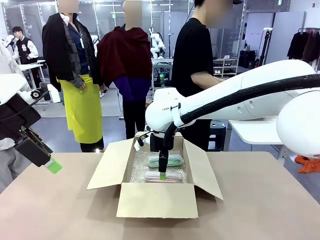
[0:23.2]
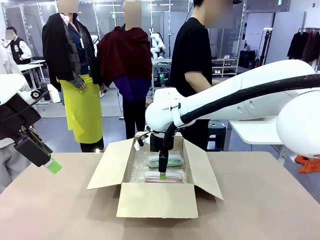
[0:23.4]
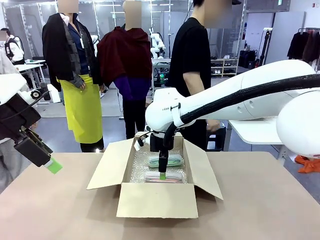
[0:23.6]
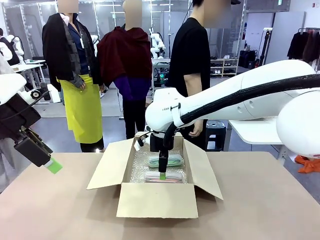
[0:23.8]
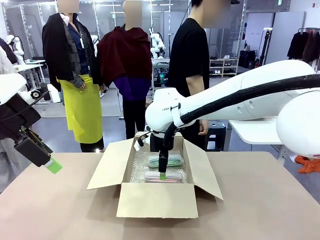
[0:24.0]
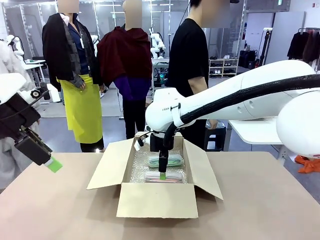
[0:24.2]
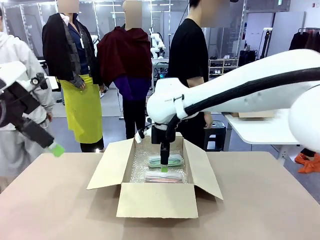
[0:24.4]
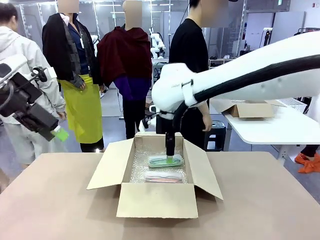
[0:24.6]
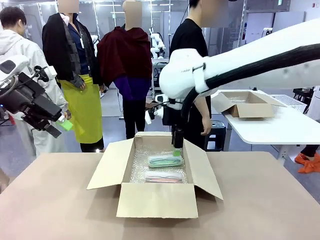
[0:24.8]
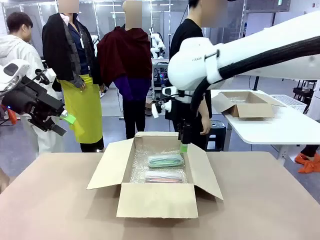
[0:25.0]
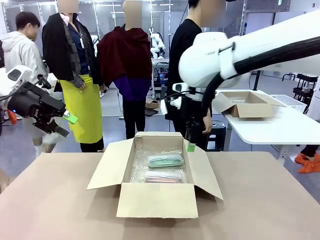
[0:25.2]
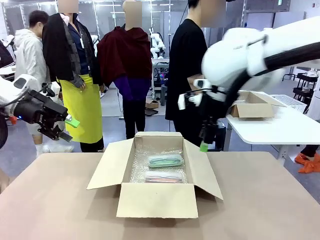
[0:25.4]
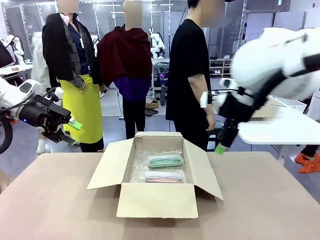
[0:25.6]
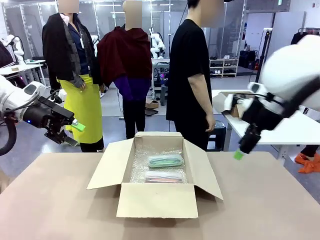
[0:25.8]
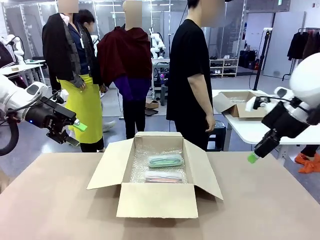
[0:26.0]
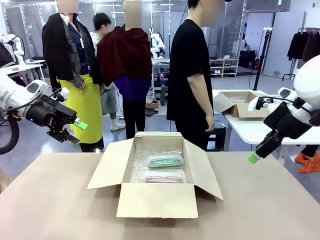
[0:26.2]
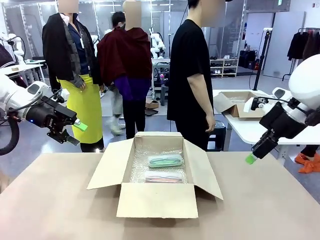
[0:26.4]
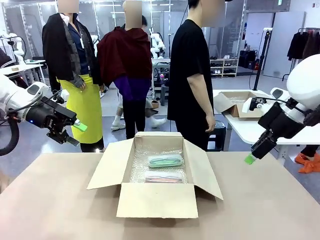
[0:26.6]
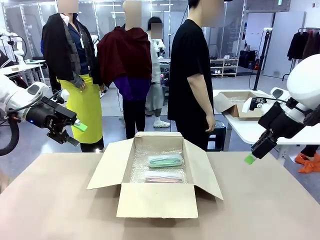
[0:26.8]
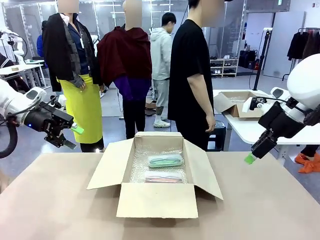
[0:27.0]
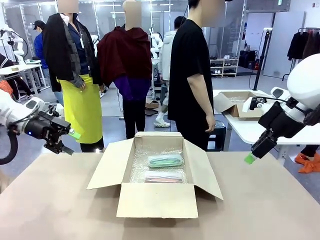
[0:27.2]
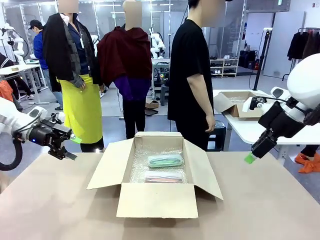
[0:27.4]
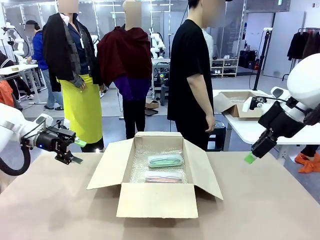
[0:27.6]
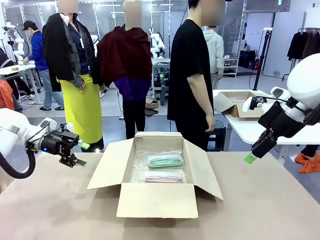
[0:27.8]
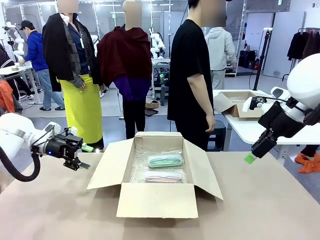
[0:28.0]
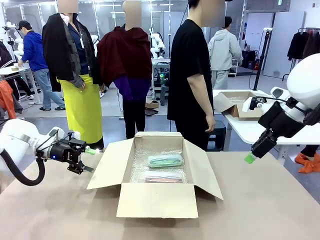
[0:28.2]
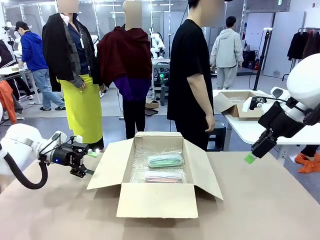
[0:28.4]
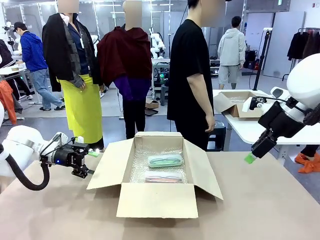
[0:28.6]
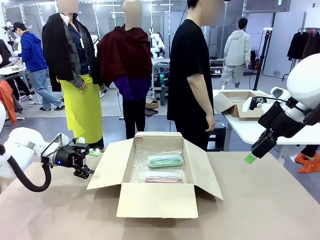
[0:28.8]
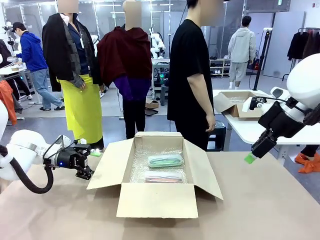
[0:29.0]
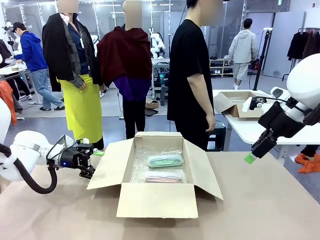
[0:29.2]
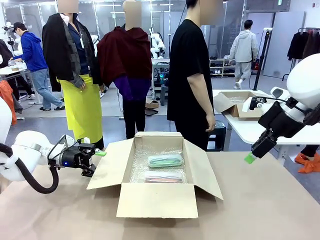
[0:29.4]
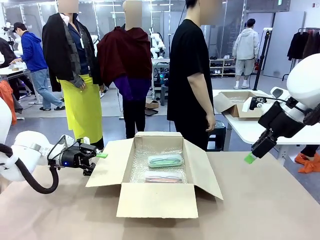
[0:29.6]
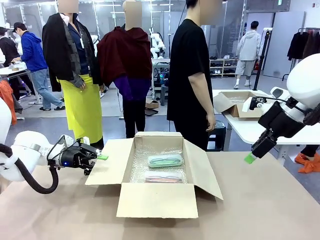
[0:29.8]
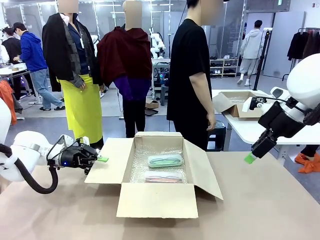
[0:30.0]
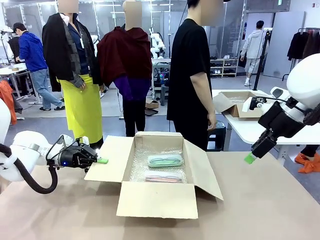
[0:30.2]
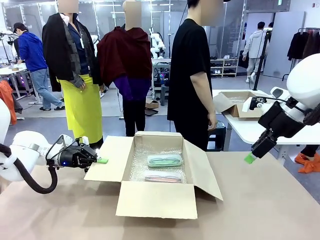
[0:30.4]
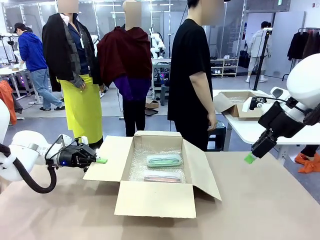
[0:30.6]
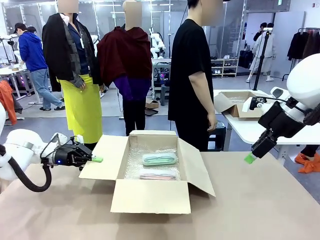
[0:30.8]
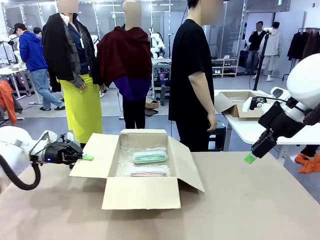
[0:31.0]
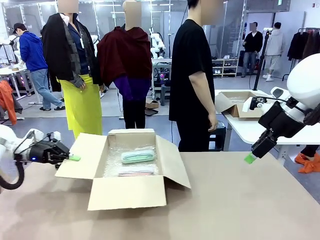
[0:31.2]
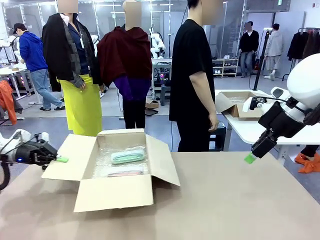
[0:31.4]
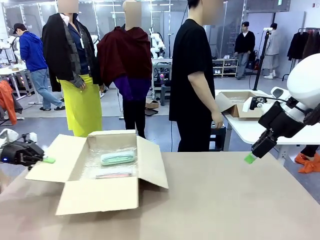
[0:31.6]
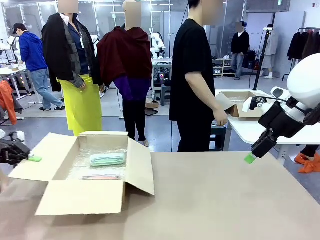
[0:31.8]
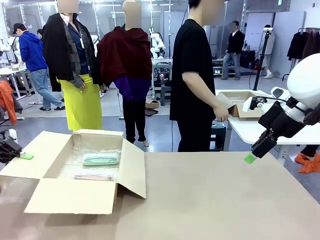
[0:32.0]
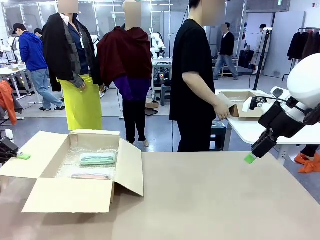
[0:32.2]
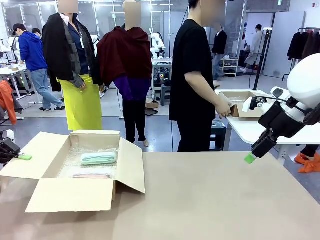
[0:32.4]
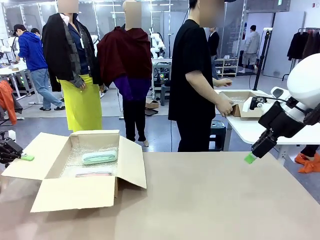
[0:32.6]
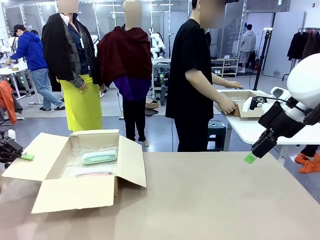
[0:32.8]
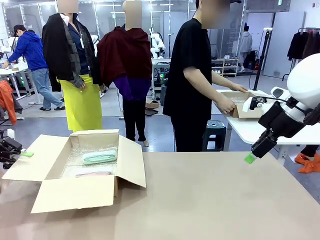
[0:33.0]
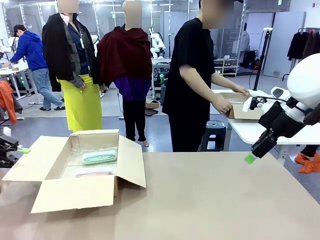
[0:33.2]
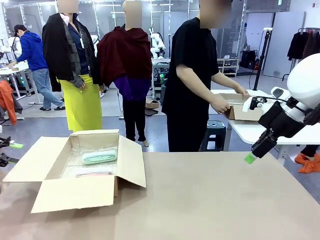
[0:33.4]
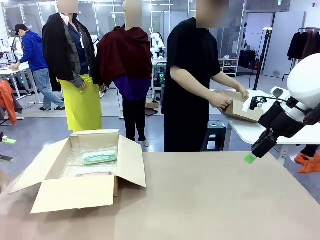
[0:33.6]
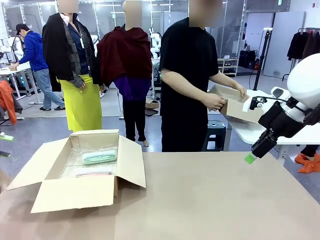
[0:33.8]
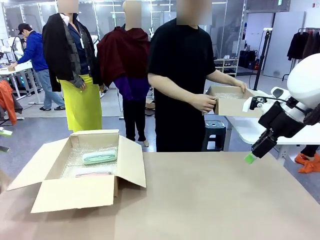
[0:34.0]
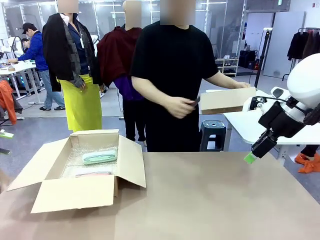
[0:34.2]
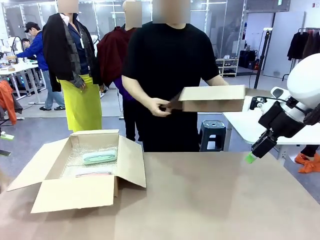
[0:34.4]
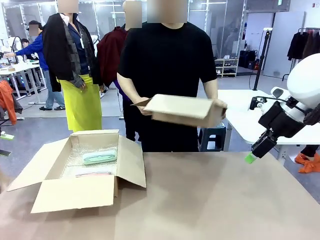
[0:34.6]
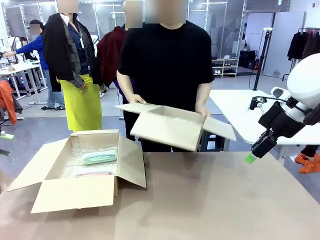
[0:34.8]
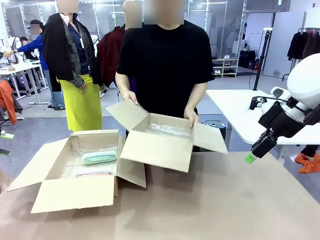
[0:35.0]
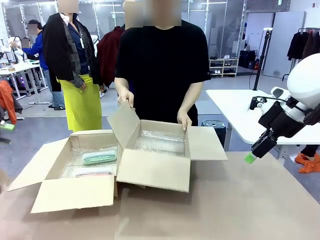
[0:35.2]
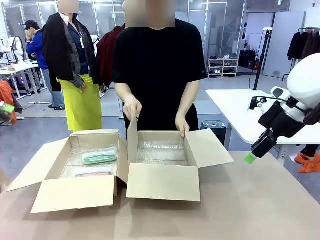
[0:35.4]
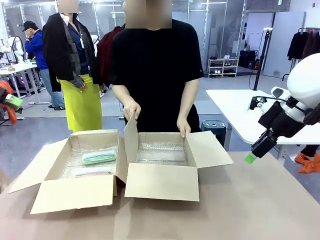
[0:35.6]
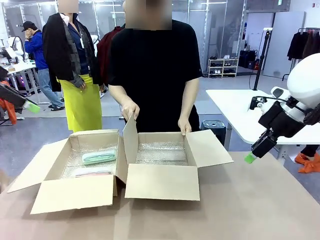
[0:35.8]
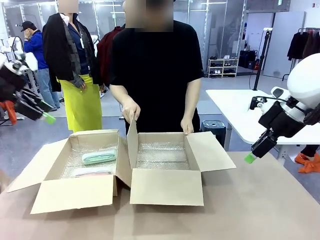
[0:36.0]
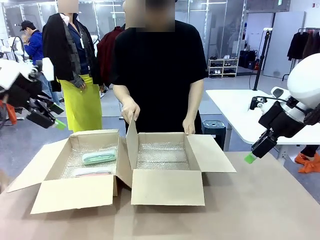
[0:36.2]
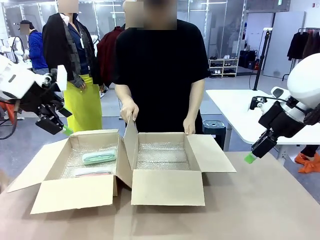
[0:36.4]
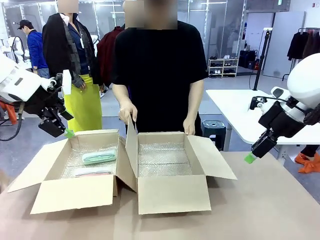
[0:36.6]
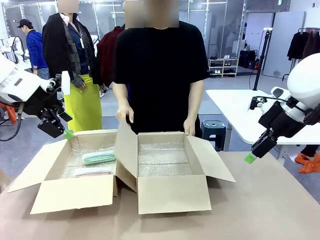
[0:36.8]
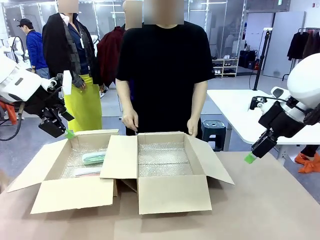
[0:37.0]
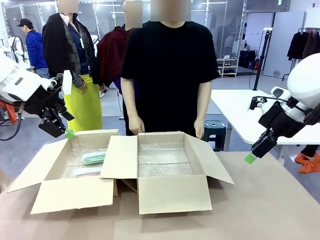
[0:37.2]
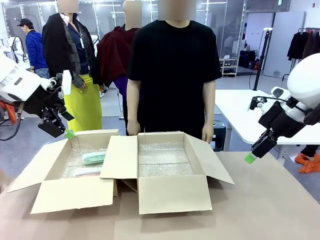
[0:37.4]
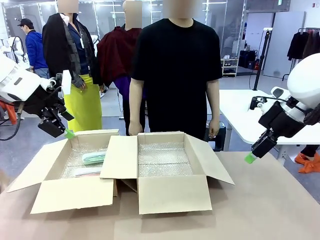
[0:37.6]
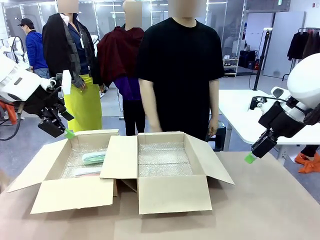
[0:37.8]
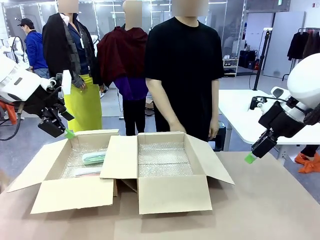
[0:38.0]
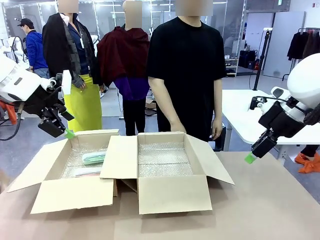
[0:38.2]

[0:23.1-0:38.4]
Task: Pack the glasses set securely to prepare it for shipping.
Robot: Position the Package Box on the left side of the table.
Person: Position the empty Package Box in the middle of the robot's table.

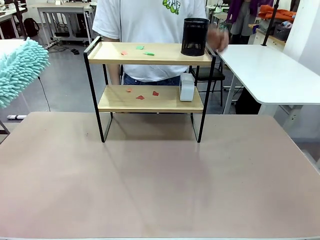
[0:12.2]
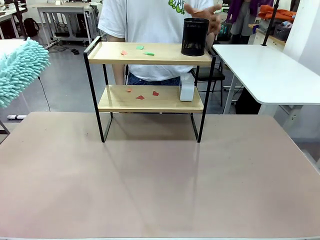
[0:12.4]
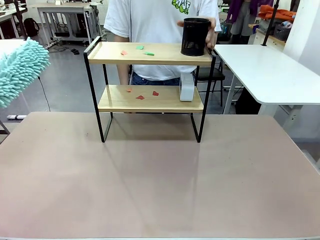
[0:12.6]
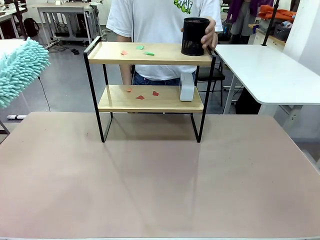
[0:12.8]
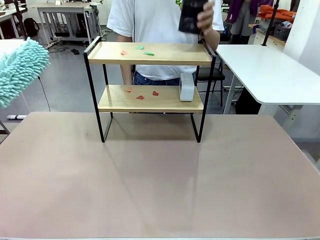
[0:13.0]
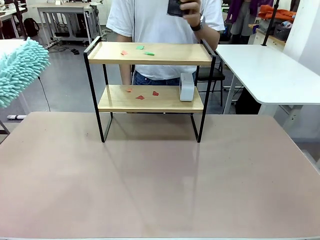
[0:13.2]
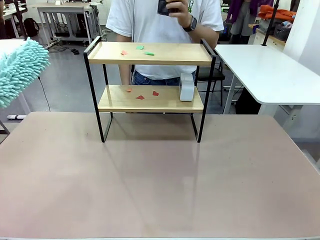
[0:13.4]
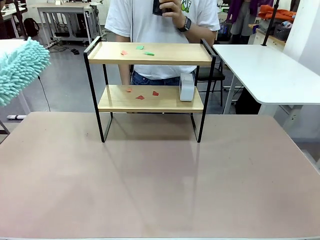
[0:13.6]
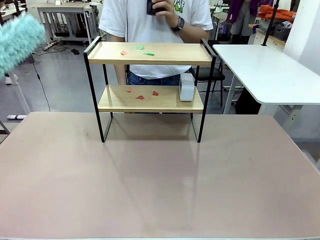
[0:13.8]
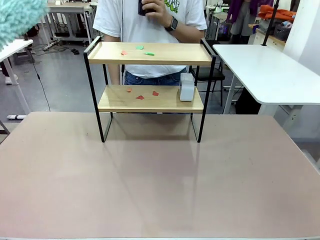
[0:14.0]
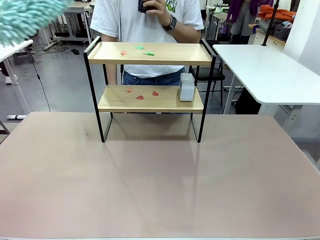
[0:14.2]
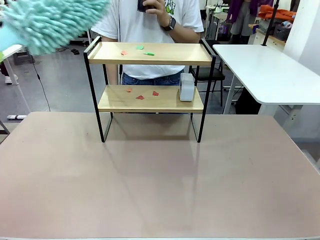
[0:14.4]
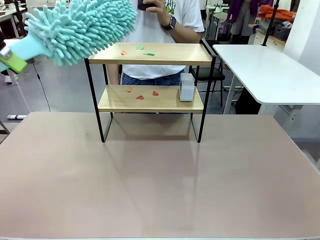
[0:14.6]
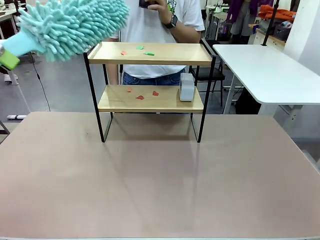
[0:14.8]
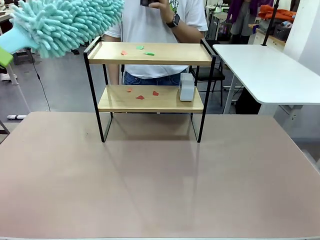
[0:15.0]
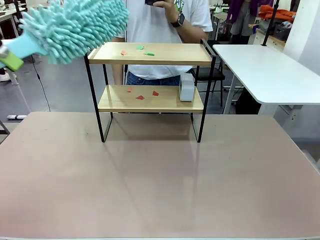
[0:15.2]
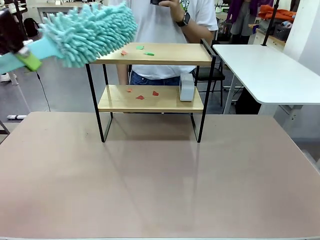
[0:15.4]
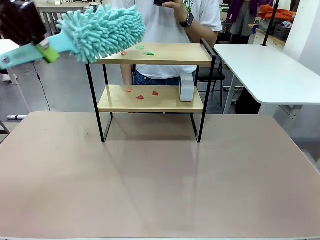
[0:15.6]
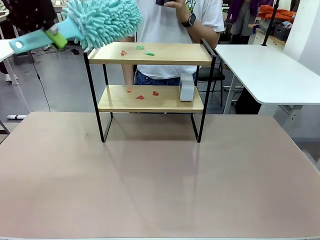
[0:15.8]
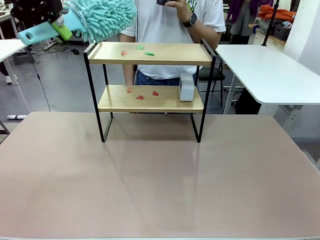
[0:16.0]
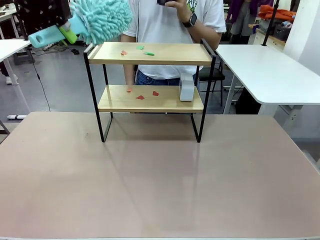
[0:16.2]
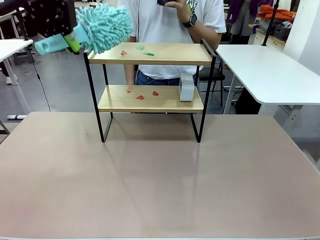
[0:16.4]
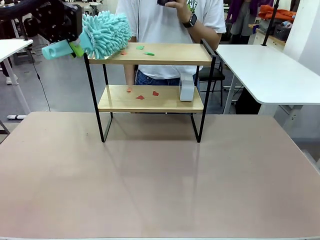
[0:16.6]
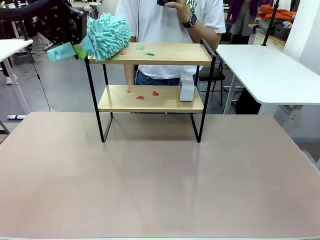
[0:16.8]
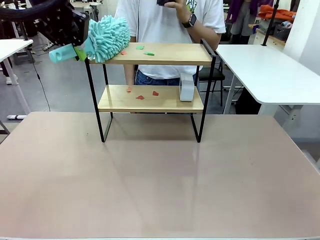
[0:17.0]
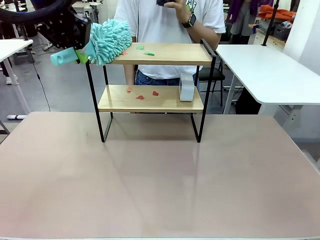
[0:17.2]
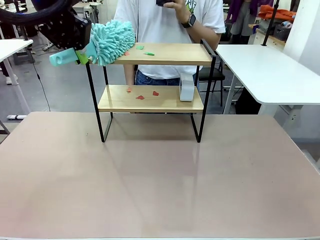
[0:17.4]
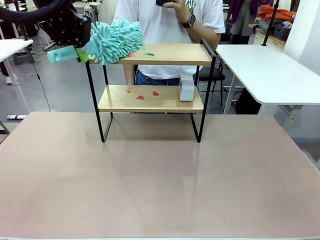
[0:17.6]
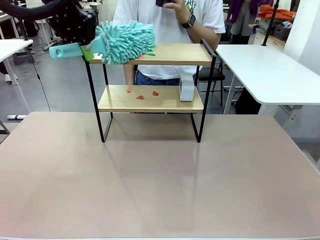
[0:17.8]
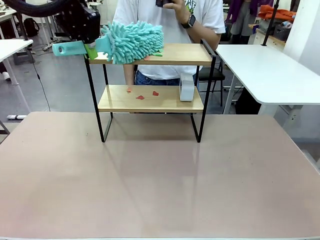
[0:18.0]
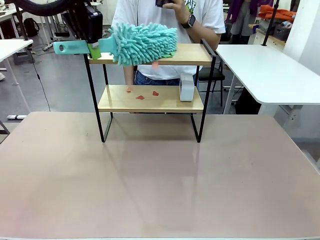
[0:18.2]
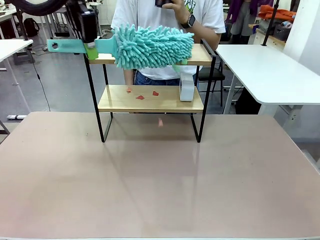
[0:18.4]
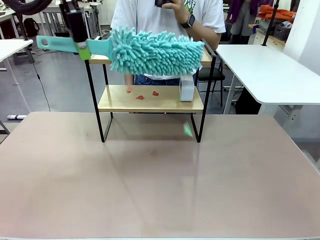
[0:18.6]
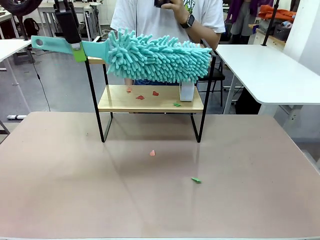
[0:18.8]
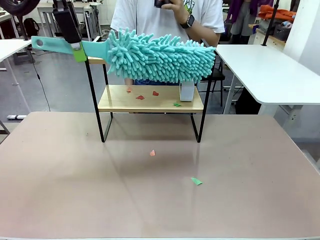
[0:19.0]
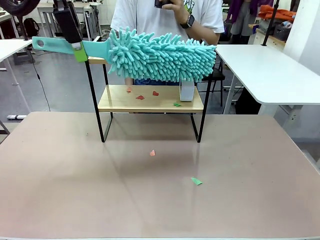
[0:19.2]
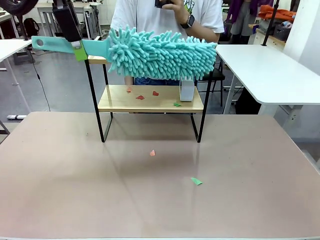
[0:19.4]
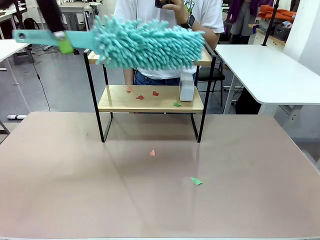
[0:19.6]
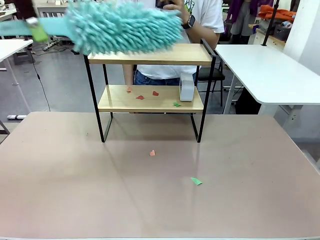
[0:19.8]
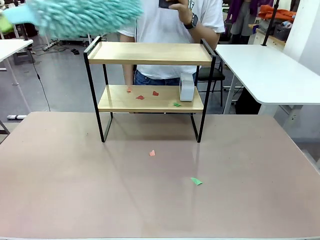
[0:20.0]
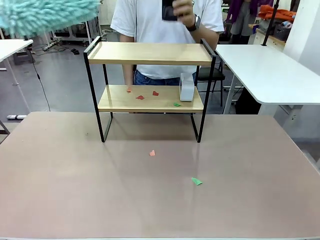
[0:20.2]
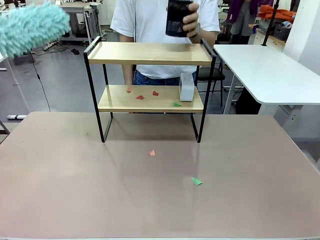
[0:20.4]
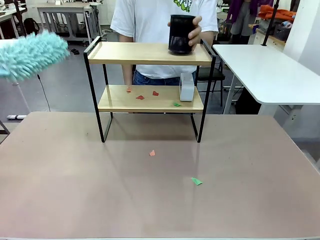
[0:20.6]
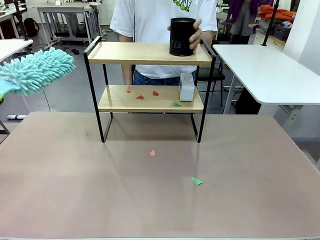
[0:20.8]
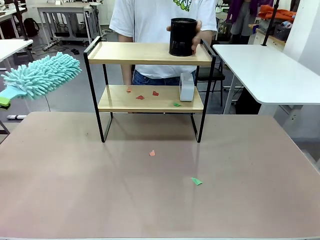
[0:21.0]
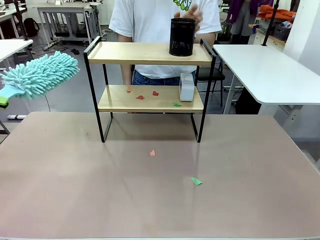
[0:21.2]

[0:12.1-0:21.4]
Task: Clean the shelf.
Robot: Clean the specific tier of the Shelf with the Duster once objects are removed.
Person: Lift the objects on a randomly selected tier of the Shelf. Once the robot finishes cleaning, lift the objects on the remaining tiers of the Shelf.
